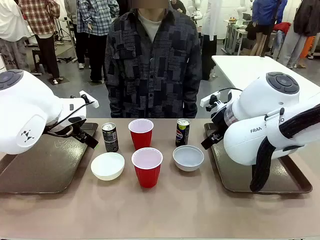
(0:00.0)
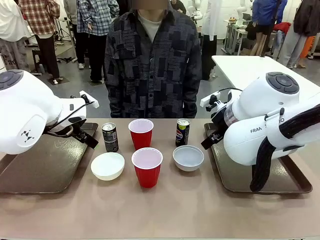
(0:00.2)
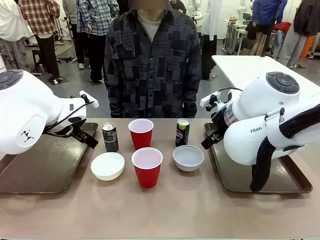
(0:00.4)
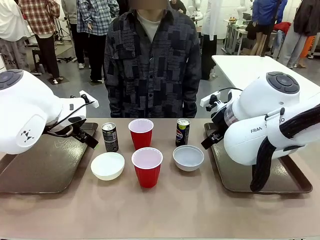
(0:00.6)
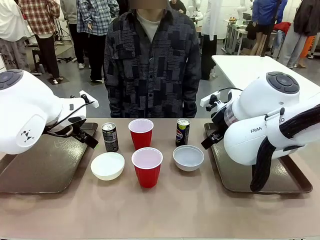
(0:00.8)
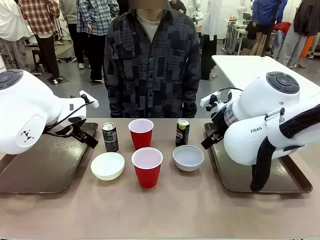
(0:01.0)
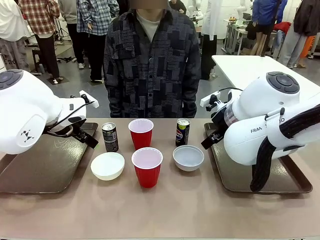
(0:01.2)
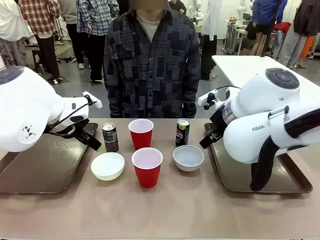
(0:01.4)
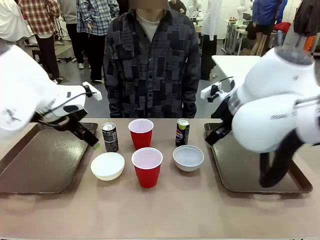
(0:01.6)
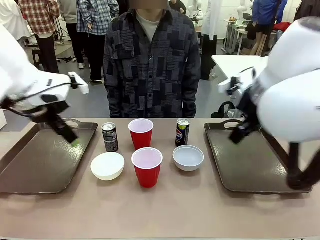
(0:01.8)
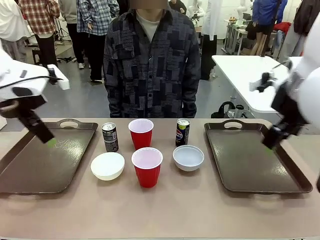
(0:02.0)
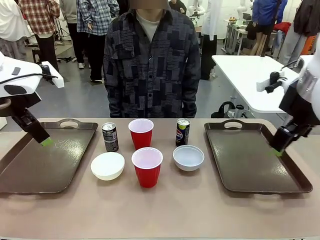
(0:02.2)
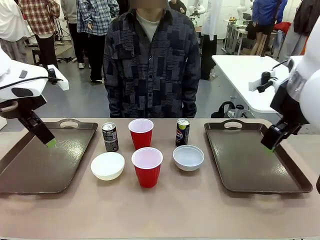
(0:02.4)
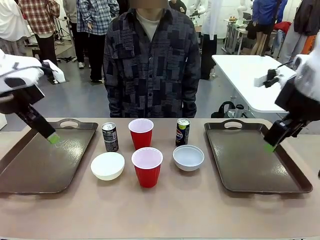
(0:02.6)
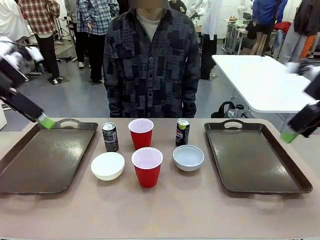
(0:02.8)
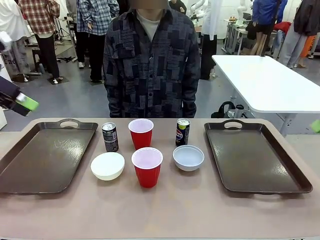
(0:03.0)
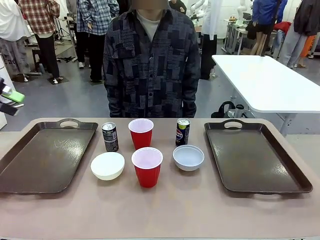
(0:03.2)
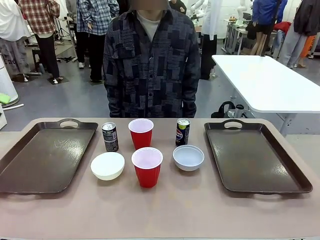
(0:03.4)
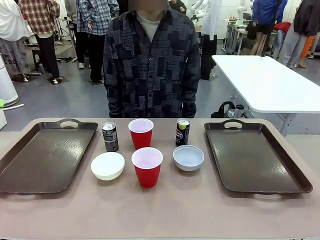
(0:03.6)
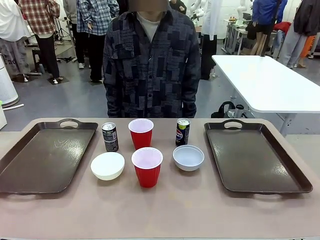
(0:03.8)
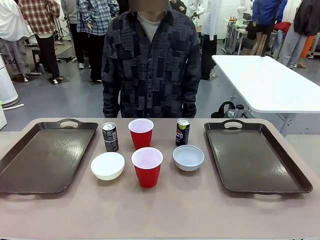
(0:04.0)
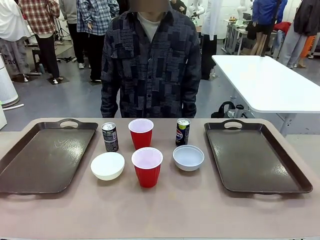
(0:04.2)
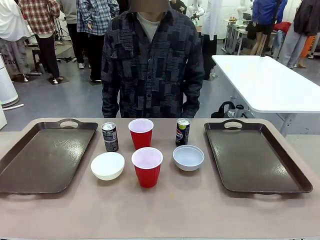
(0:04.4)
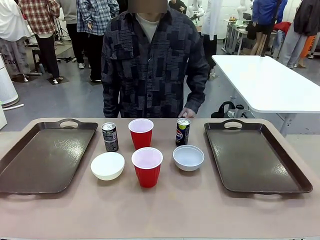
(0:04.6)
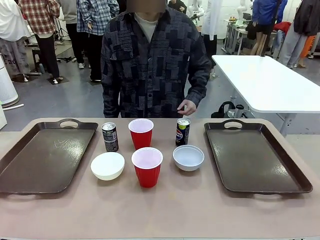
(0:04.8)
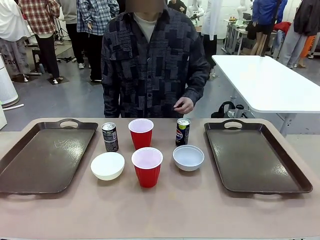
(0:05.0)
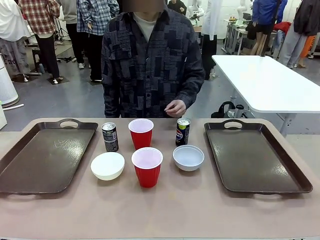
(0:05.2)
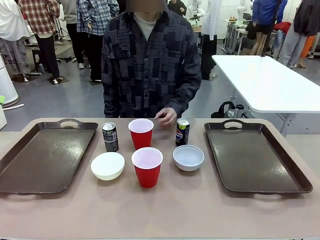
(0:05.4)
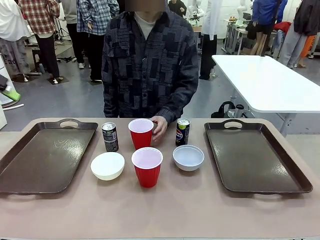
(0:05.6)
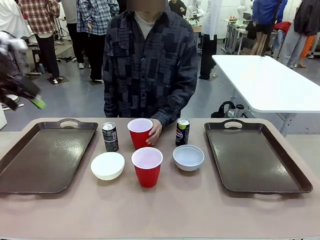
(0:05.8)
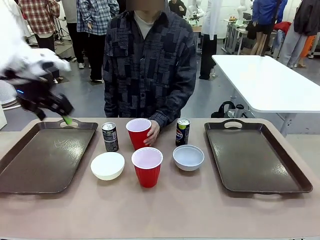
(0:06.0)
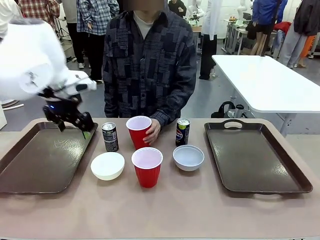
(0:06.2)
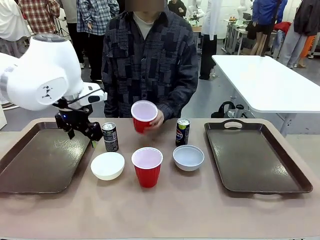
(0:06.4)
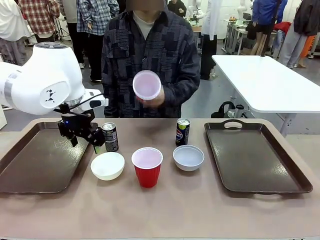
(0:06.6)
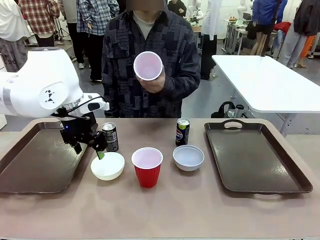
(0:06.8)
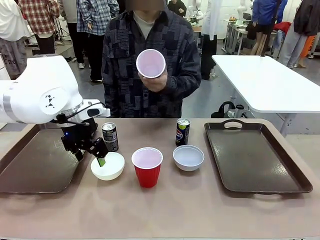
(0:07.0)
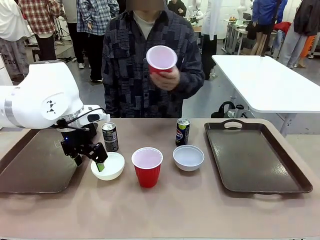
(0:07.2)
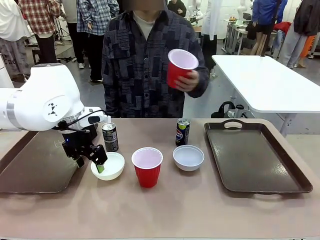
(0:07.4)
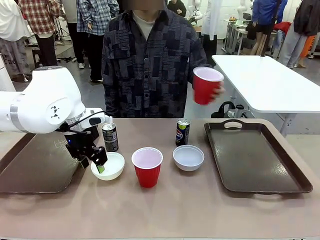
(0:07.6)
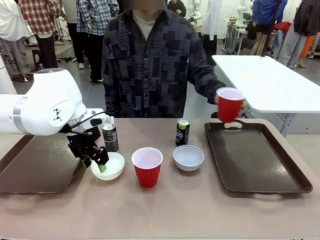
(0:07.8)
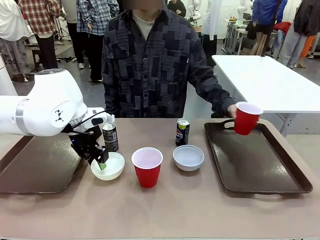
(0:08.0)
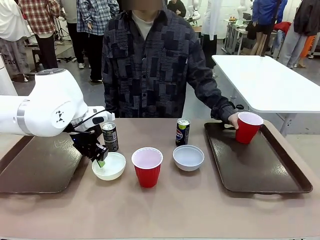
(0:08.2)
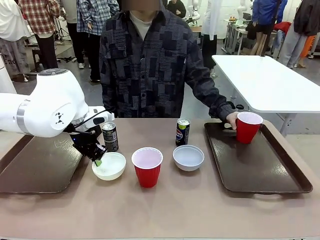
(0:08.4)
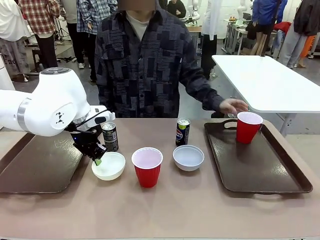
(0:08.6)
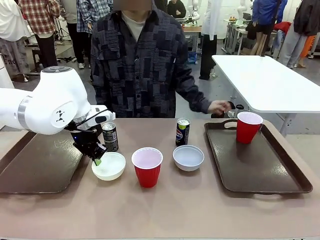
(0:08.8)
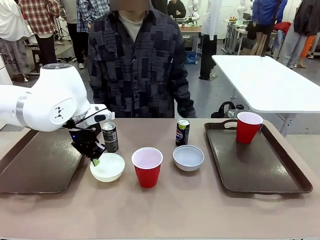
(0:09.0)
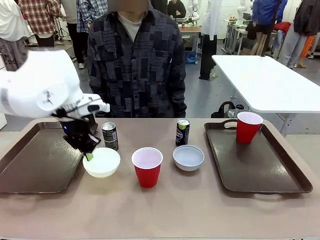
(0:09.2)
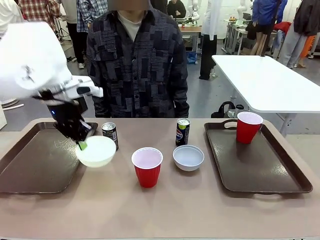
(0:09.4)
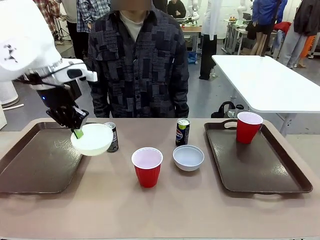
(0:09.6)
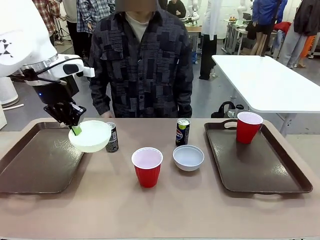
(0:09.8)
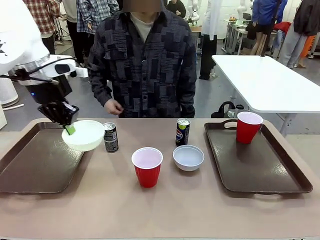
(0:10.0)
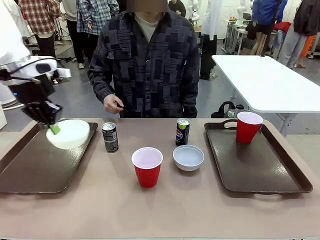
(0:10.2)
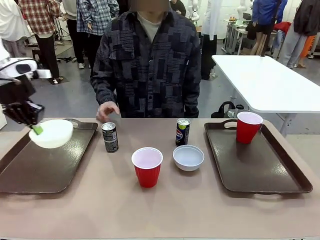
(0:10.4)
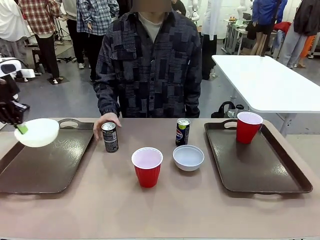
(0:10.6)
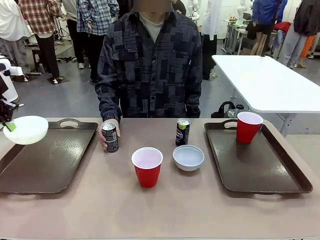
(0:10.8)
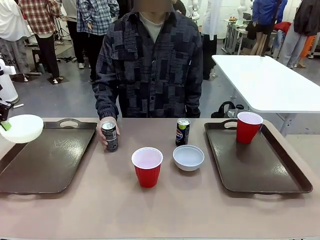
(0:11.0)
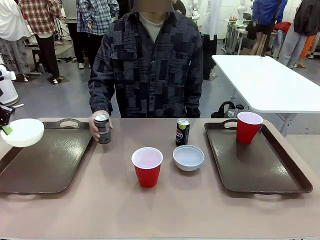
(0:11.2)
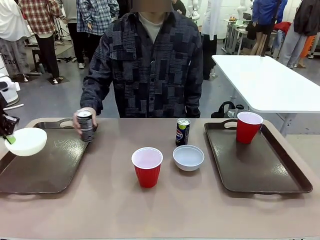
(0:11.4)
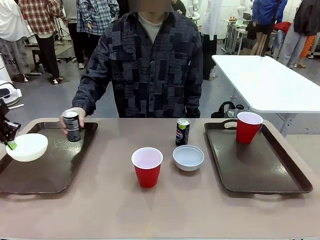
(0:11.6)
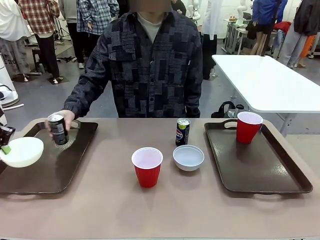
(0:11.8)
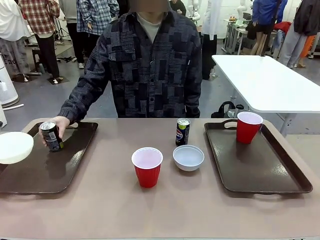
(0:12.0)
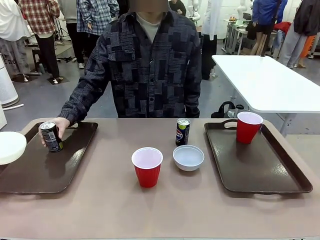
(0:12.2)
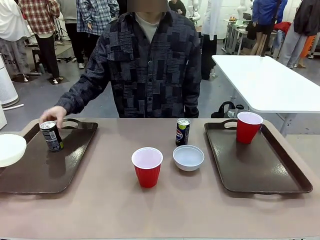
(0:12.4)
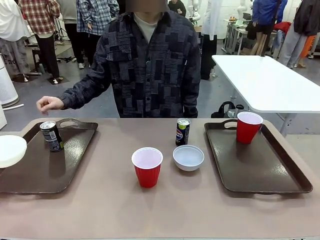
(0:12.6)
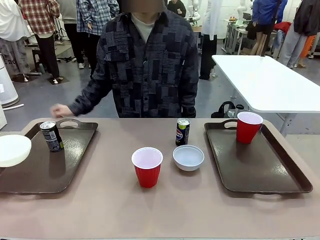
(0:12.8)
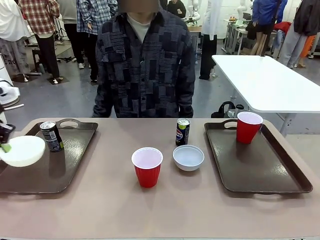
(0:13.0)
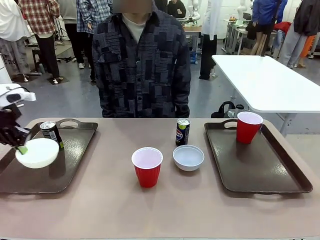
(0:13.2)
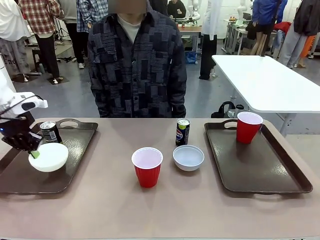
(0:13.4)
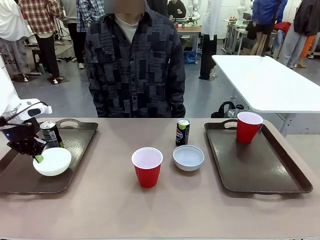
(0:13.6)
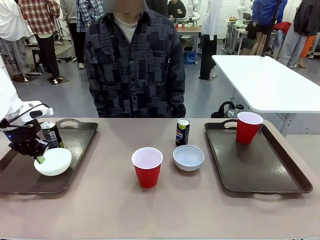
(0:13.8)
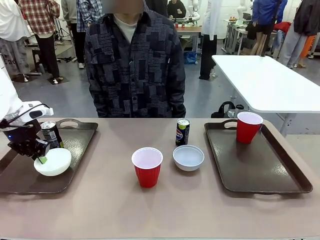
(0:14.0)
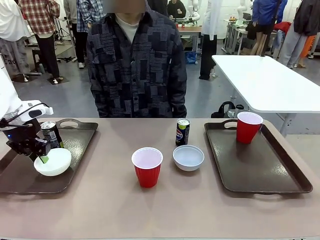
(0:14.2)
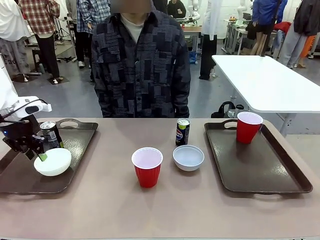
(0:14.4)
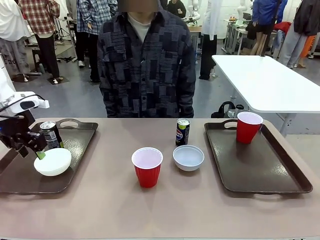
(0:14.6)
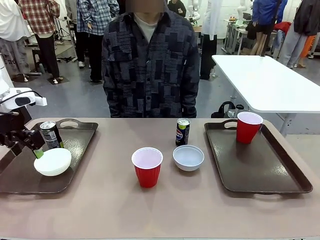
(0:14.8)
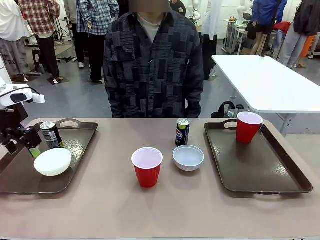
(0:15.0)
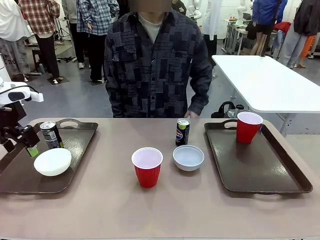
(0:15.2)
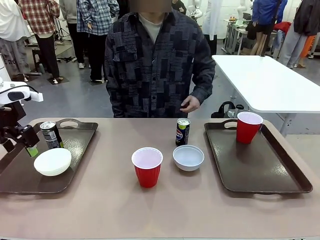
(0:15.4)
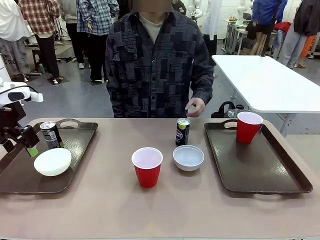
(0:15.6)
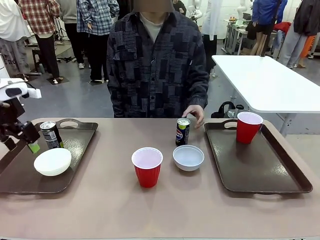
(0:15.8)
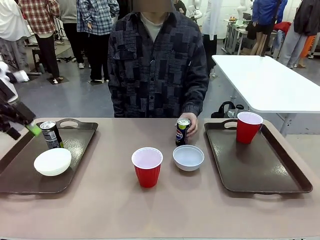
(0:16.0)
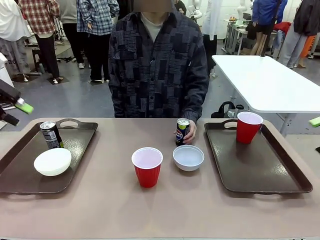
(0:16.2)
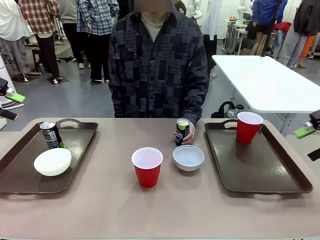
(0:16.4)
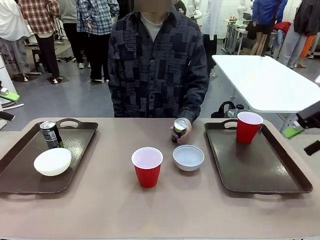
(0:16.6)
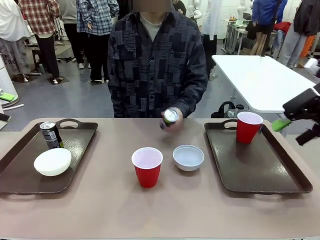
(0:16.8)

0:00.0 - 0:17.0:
Task: Prepare tableware on both trays.
Robot: Pick up a Picnic Bowl from the table and place it on a Handle tray.
Person: Pick up a can or cup and place it on the tray.

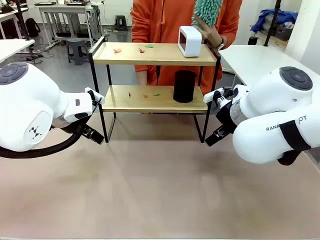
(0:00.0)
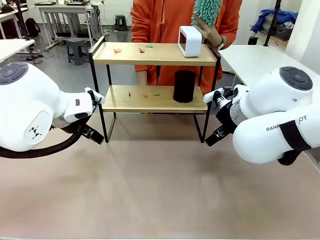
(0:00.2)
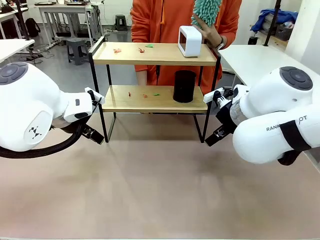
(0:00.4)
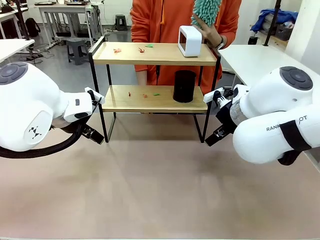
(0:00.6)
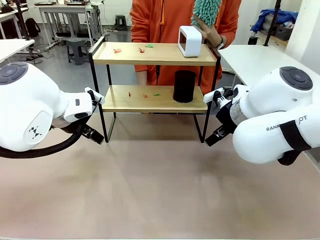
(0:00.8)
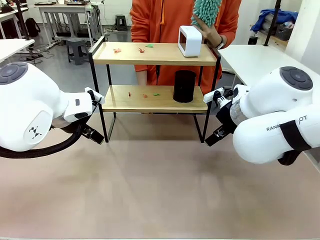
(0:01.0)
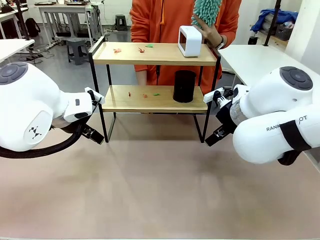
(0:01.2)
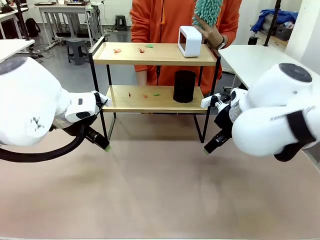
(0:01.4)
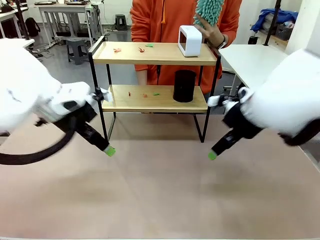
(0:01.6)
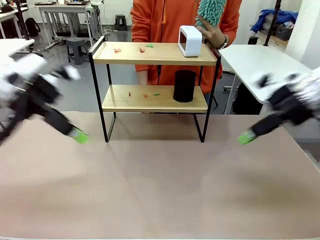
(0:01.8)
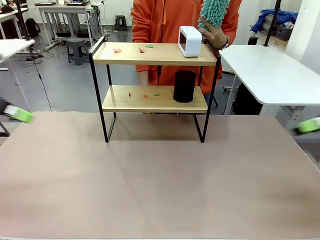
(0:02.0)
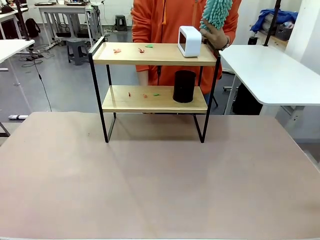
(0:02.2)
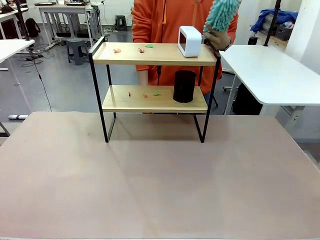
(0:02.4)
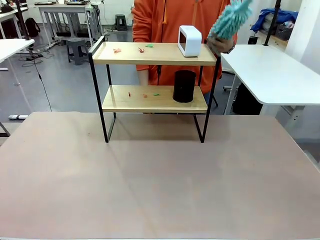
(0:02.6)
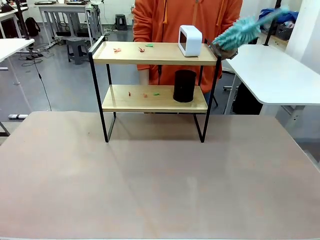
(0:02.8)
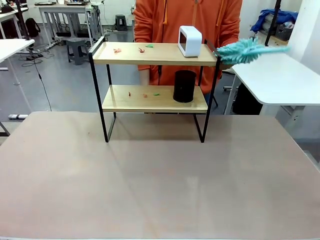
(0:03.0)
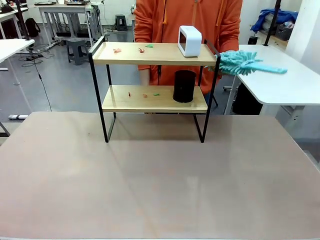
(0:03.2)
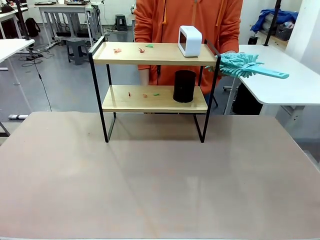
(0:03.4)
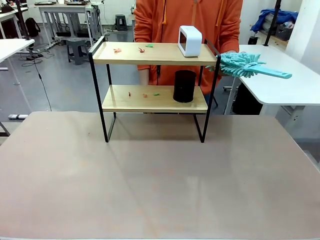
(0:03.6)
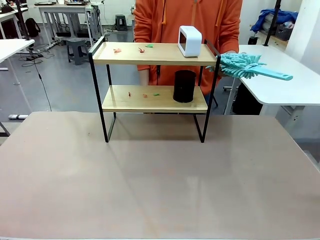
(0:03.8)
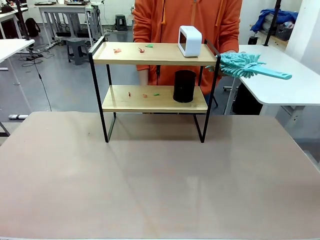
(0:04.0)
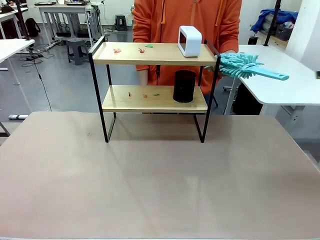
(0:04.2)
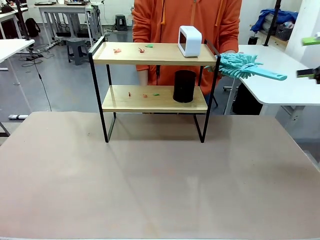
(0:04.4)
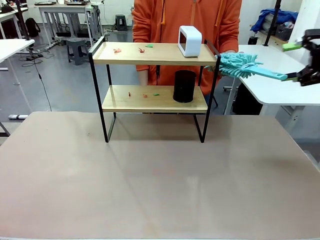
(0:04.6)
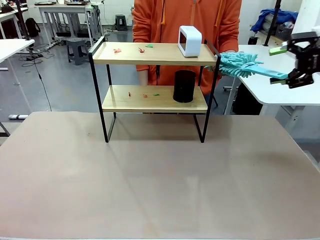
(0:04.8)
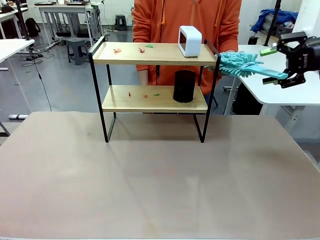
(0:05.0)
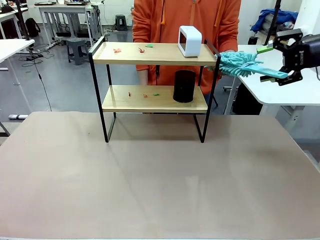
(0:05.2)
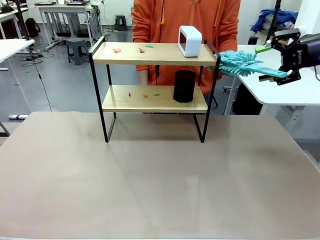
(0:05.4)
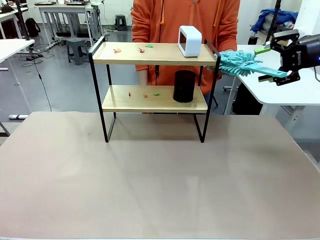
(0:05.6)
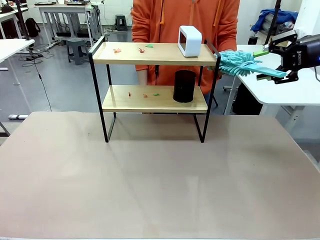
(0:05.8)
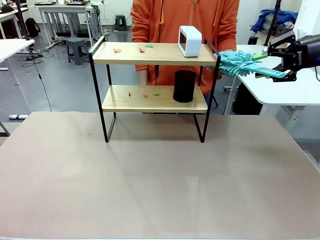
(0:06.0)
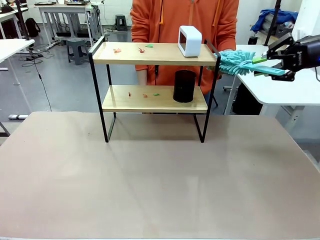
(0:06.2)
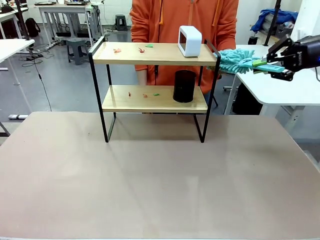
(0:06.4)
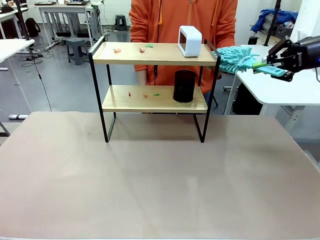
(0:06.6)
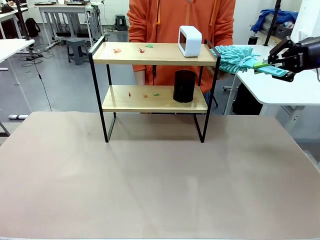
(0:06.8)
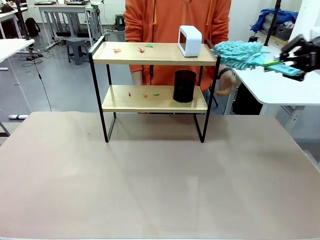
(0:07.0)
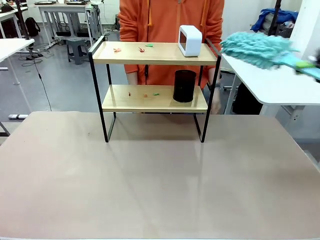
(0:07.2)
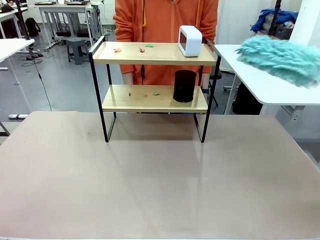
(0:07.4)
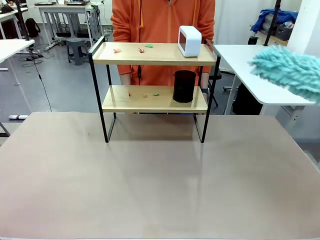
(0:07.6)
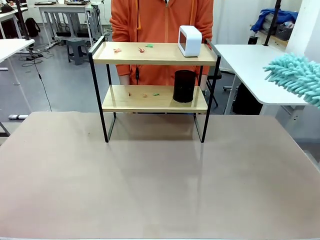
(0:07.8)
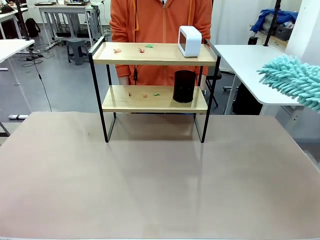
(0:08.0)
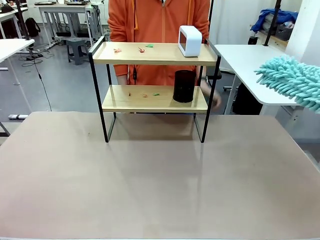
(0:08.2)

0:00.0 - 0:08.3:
Task: Clean the shelf.
Robot: Pick up the Duster from the human.
Person: Hand the Duster to the robot.
